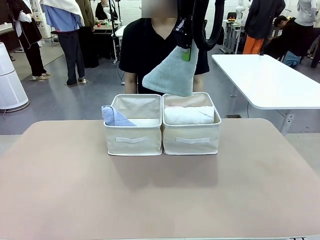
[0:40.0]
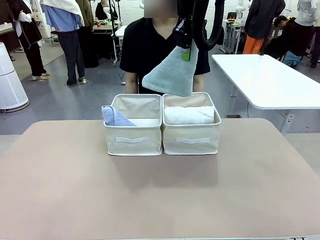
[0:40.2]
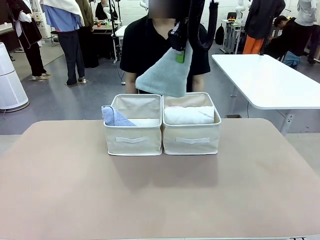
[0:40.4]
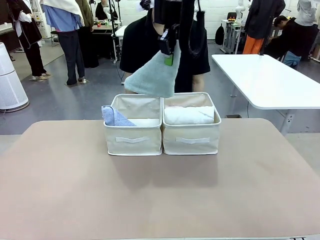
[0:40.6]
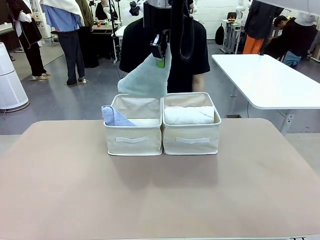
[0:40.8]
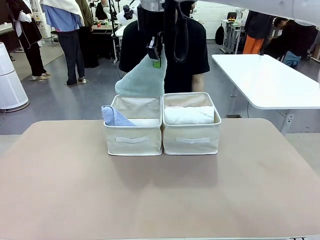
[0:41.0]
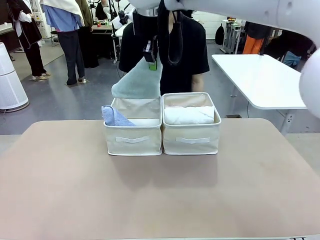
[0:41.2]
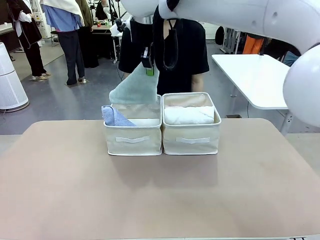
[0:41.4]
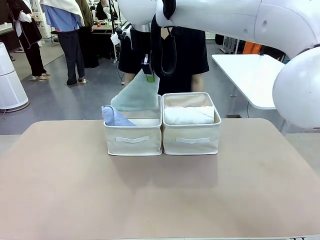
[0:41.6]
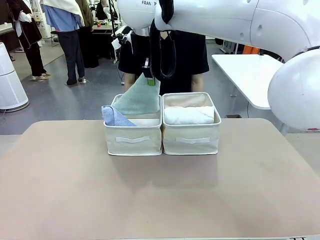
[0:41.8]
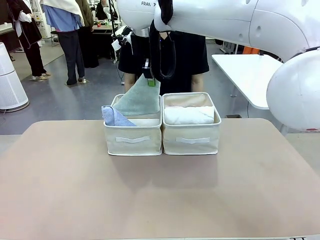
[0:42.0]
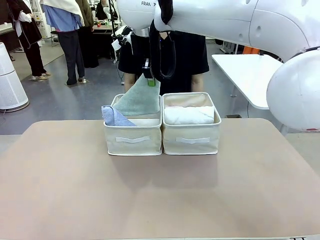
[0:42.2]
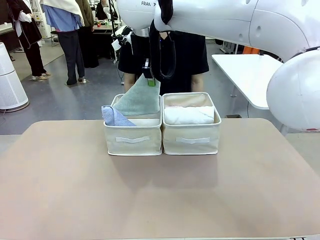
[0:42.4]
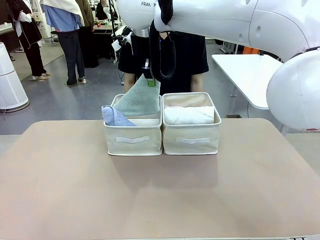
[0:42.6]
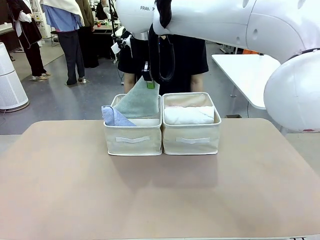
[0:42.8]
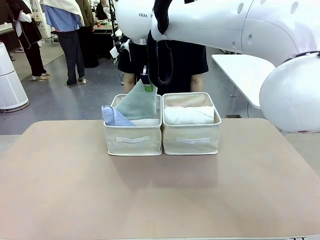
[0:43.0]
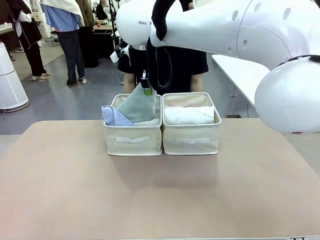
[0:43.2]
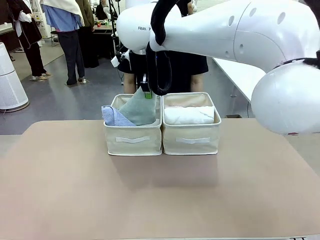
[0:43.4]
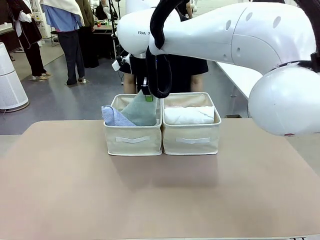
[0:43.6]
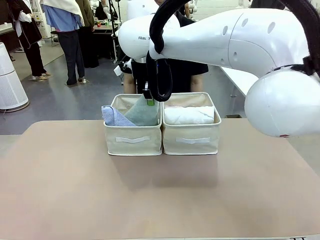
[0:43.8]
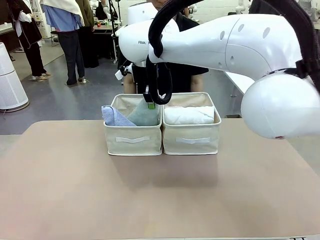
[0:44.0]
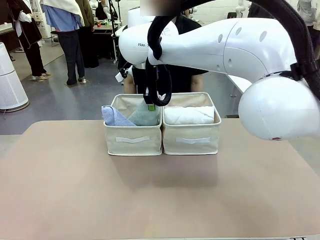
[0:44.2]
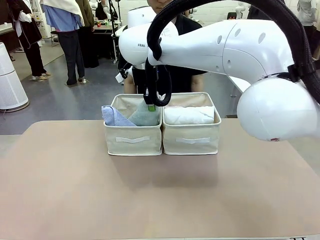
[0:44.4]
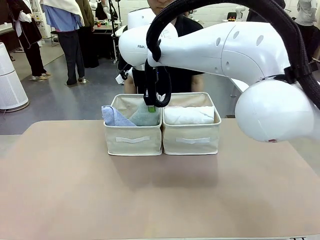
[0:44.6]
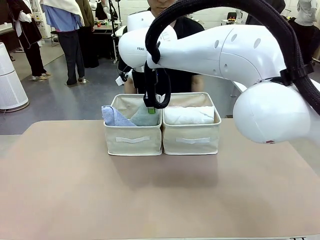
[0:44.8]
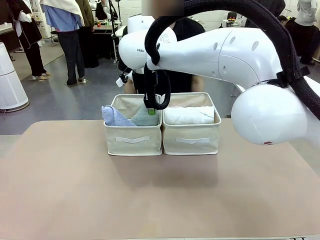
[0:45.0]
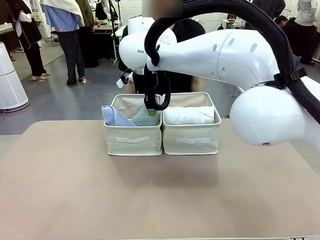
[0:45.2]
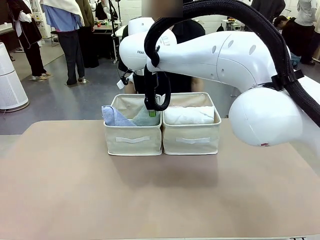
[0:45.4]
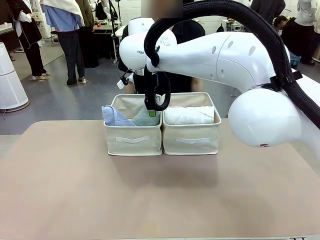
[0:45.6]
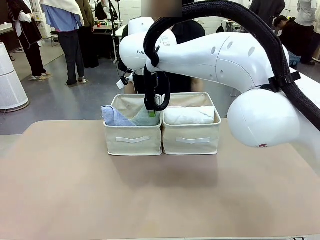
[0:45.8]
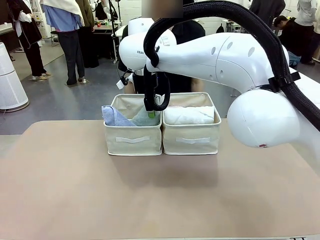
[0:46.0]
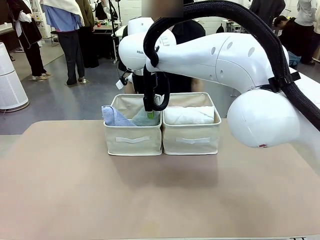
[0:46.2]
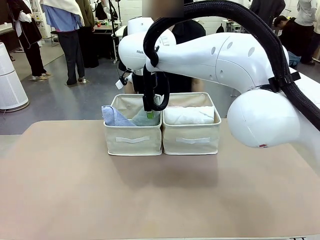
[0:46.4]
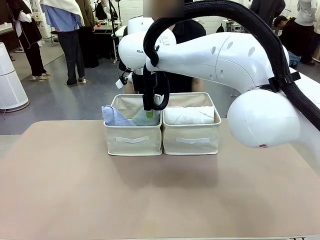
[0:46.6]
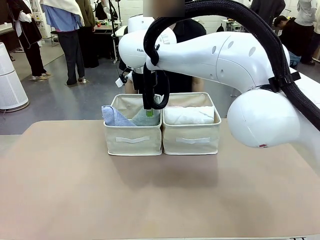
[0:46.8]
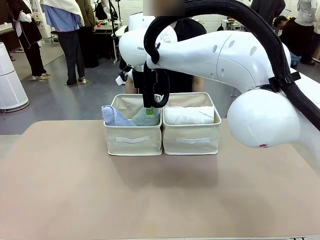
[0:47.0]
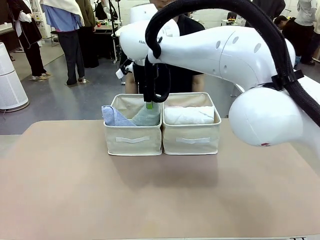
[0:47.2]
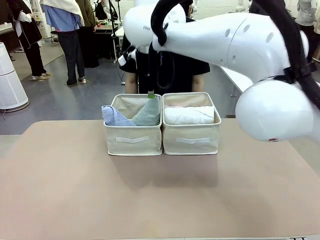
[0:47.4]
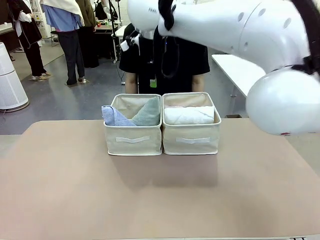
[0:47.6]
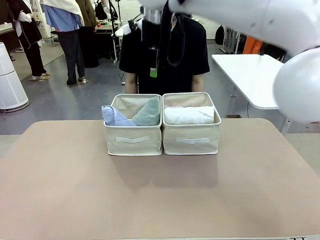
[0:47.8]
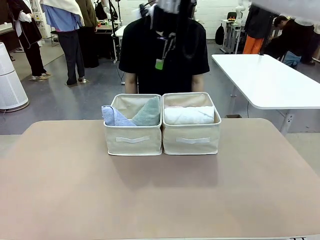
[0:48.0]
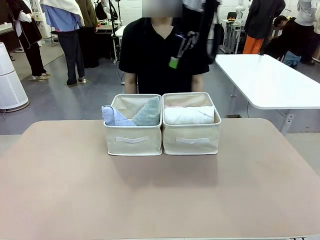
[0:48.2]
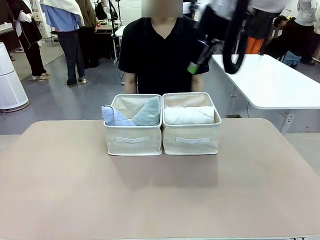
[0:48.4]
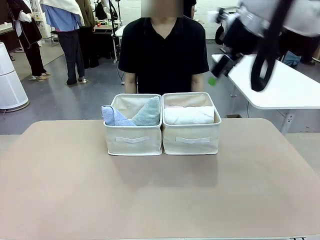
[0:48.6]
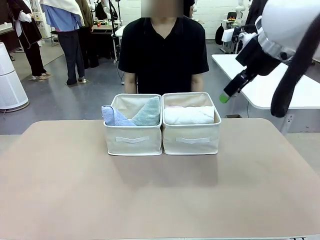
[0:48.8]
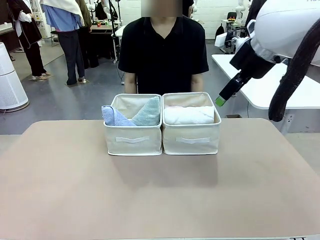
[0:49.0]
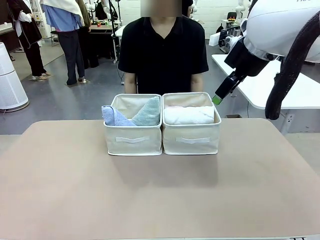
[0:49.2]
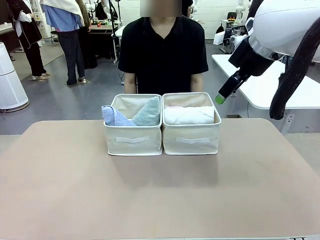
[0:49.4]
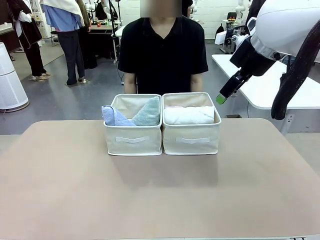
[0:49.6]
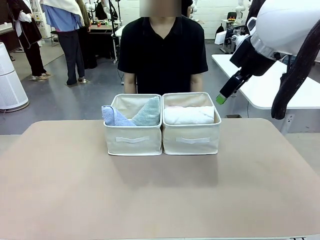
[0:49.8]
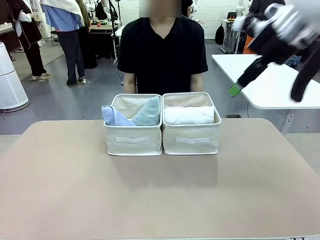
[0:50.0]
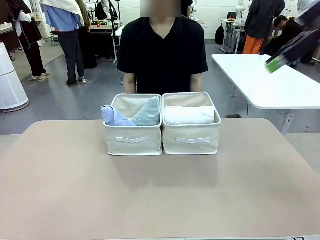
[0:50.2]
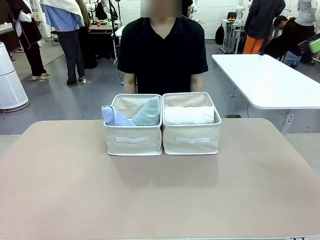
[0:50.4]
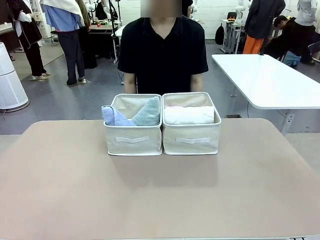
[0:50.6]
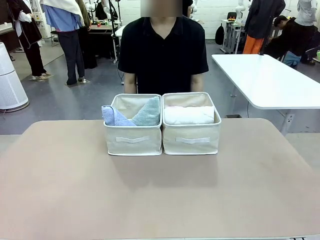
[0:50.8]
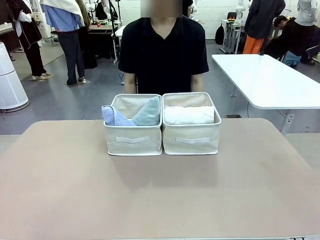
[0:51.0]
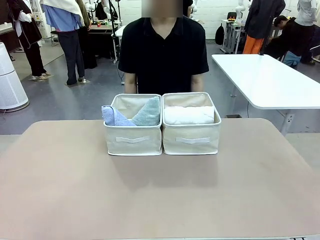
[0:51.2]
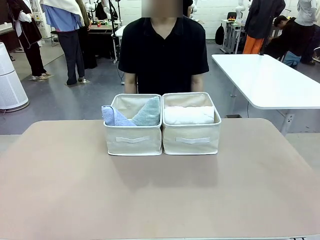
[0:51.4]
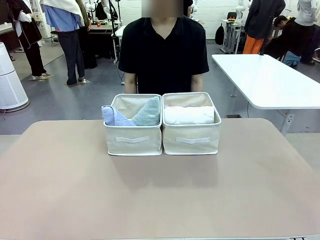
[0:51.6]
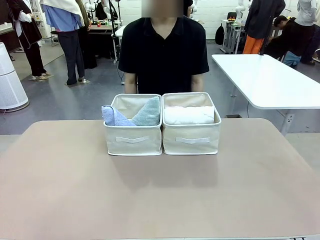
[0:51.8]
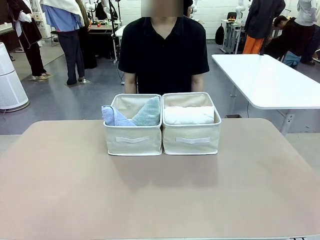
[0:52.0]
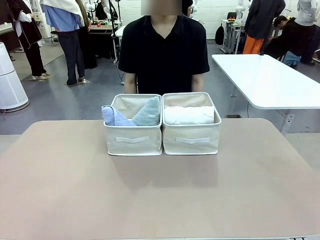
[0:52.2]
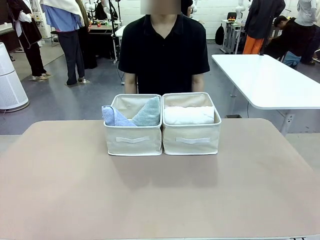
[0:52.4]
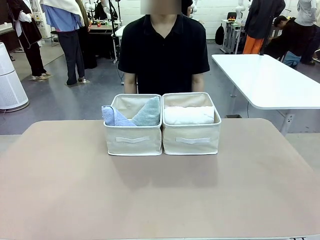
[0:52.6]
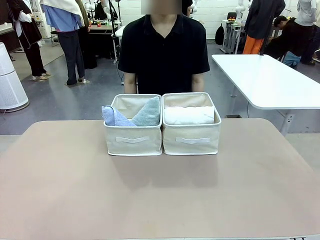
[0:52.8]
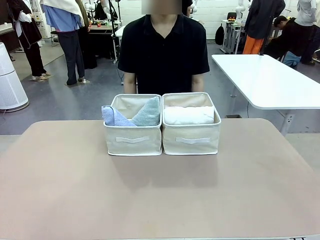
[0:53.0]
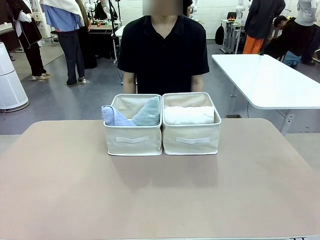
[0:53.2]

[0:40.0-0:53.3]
Task: Sort the towels based on their folding style.
Robot: Pick up another triangle-folded towel from the table and place it in the left Fabric basket.

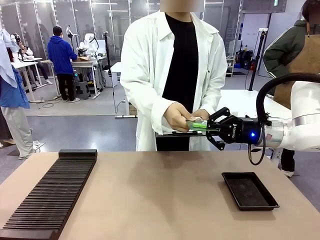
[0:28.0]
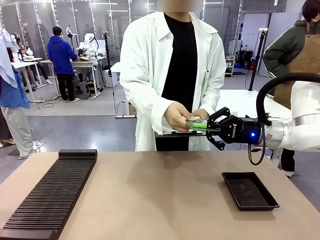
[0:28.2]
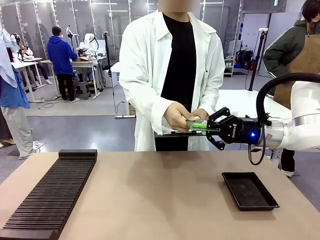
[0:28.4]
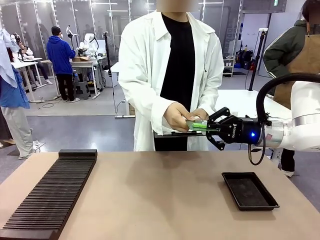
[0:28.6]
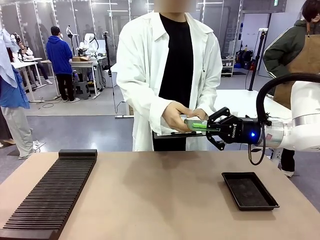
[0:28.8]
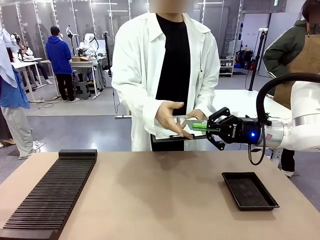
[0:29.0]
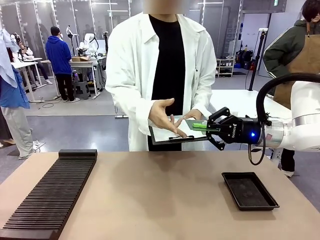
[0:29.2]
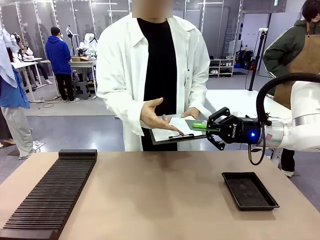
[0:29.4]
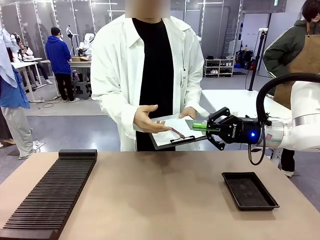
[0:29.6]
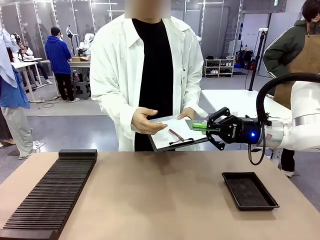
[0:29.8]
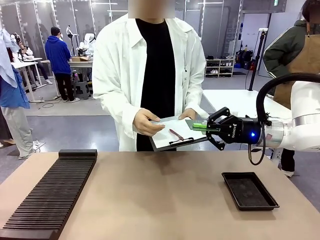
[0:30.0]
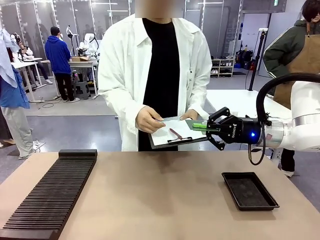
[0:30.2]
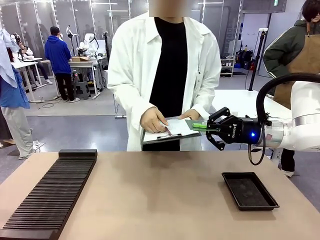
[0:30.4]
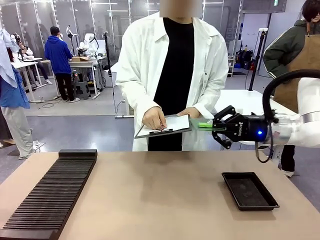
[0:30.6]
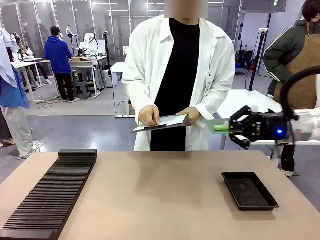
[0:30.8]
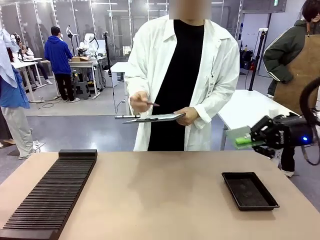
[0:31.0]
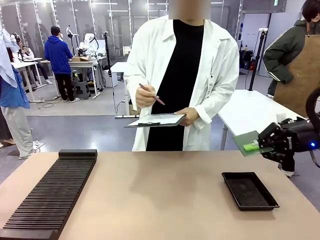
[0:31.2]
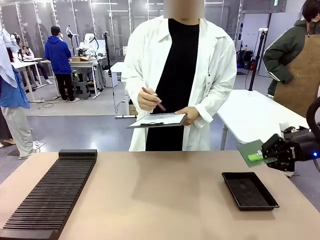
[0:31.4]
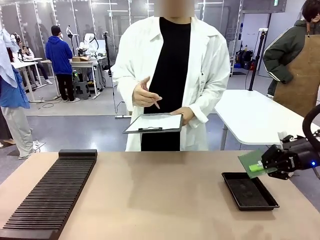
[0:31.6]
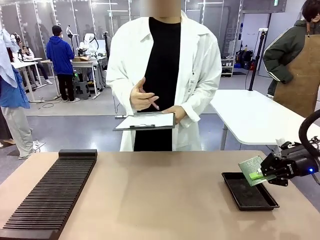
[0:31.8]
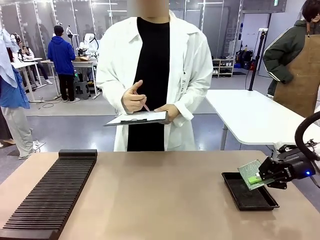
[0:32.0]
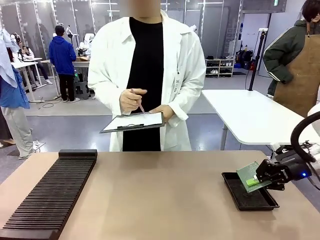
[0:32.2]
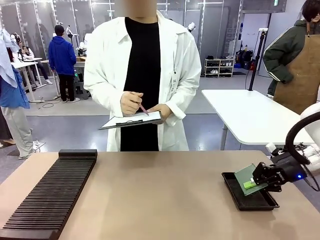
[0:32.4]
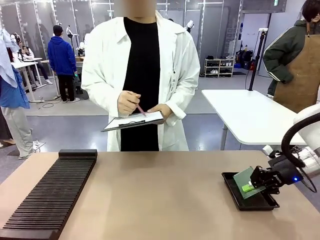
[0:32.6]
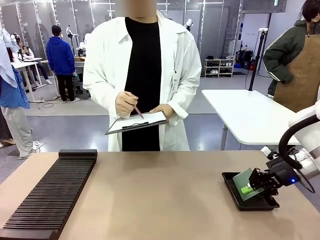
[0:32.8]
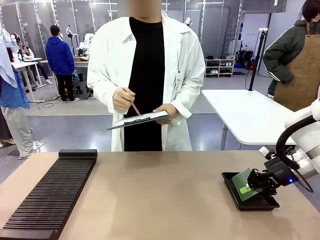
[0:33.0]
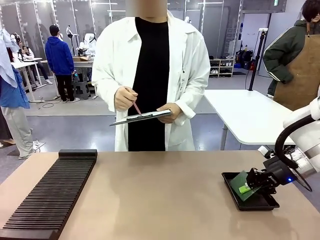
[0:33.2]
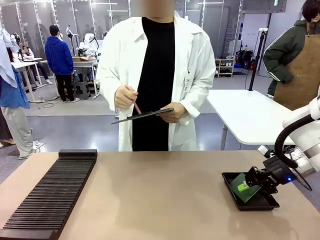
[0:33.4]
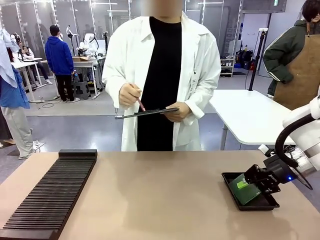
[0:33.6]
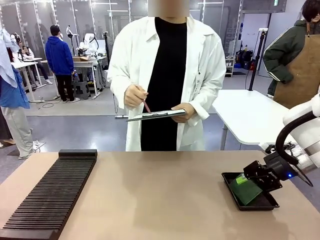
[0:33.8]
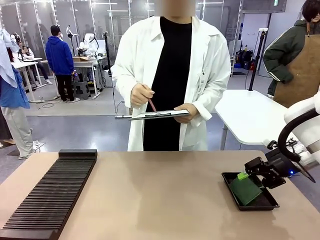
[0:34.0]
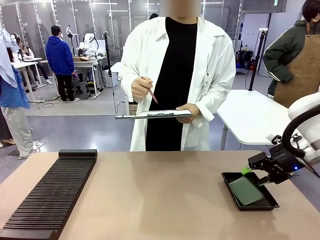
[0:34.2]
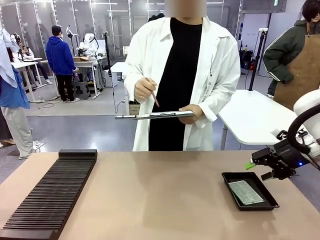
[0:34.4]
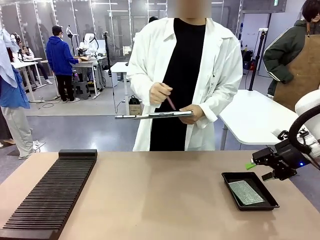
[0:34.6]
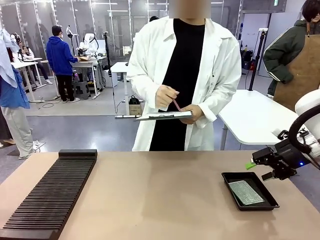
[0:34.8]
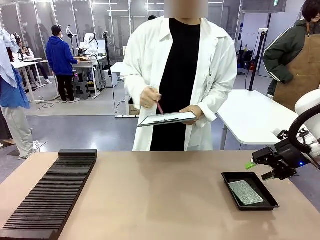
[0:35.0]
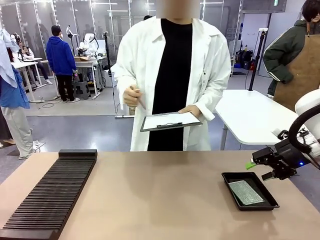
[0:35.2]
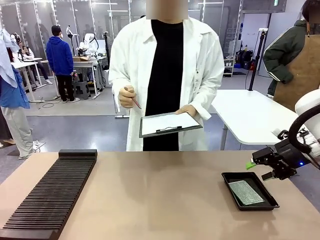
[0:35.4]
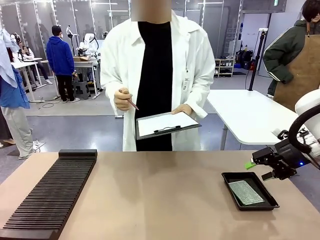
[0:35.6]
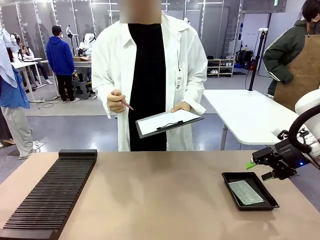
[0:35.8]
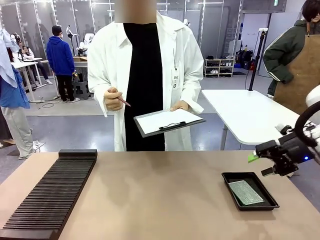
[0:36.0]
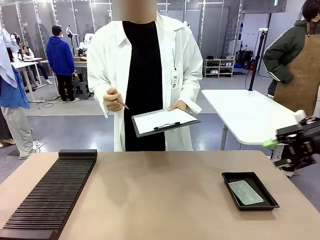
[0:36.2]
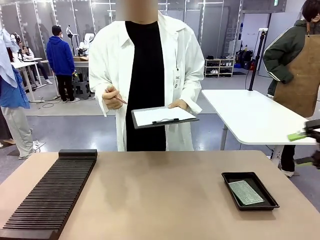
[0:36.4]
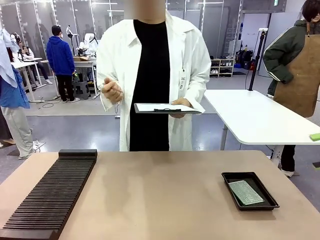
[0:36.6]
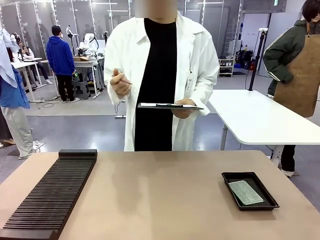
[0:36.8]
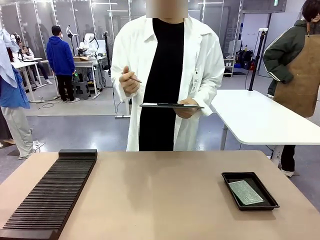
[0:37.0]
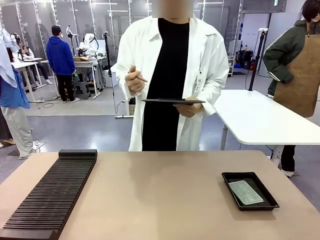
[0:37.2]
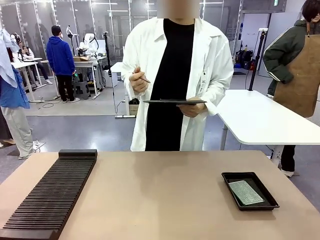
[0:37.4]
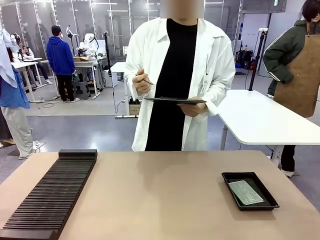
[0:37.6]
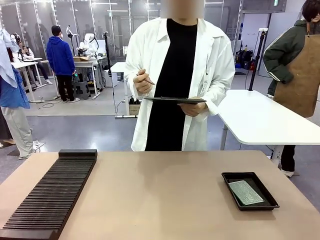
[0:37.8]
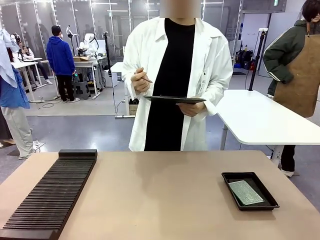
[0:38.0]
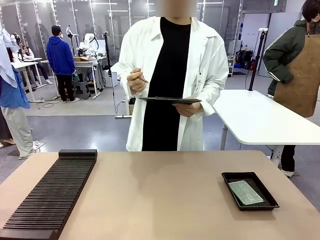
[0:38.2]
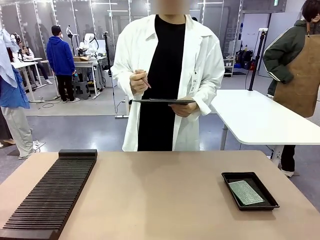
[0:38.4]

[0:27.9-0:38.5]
Task: Inspect the PCB.
Robot: Place the Blank PCB in the ESD tray.
Person: Record the PCB status on the paper.
